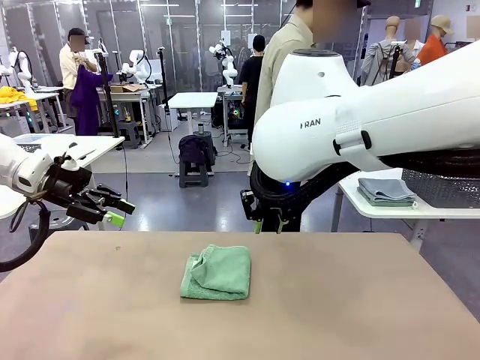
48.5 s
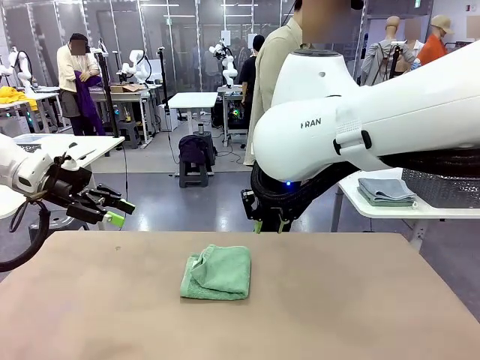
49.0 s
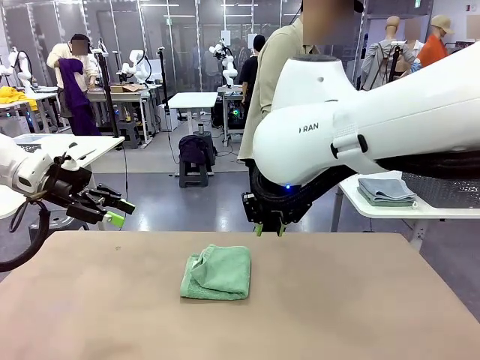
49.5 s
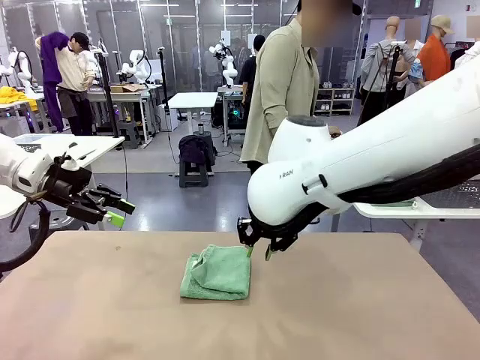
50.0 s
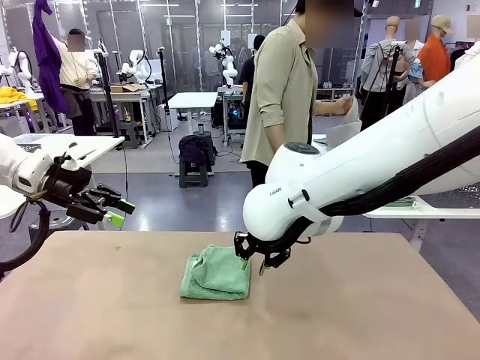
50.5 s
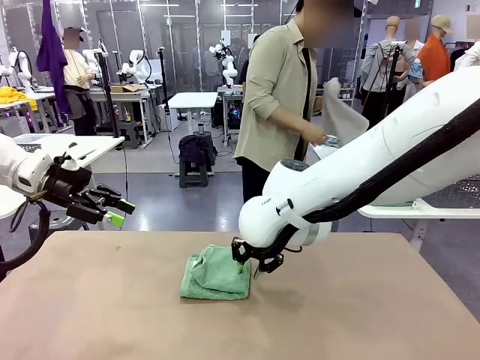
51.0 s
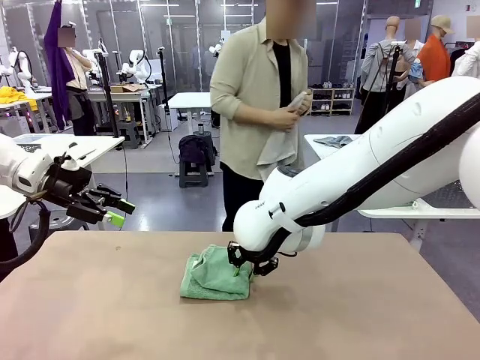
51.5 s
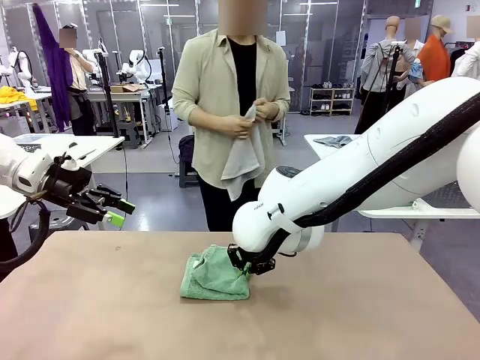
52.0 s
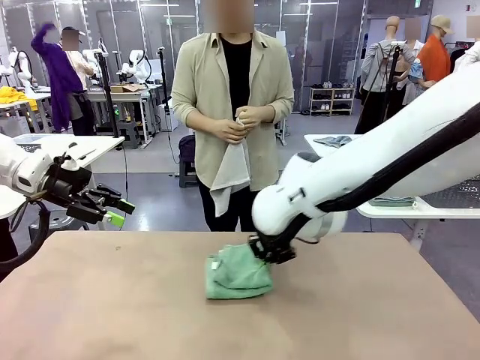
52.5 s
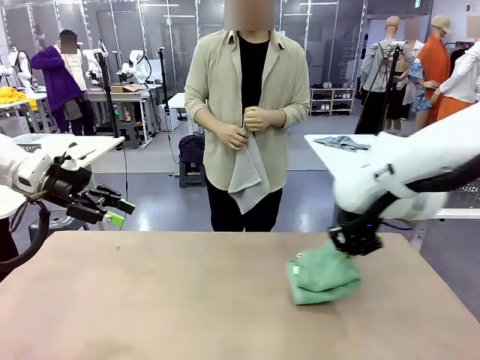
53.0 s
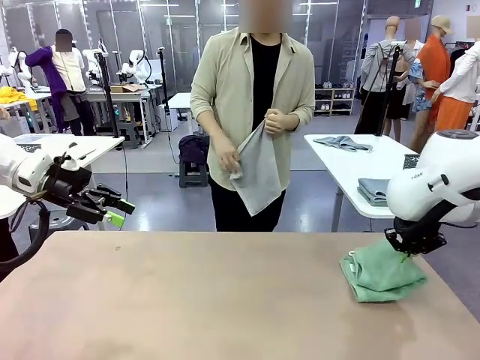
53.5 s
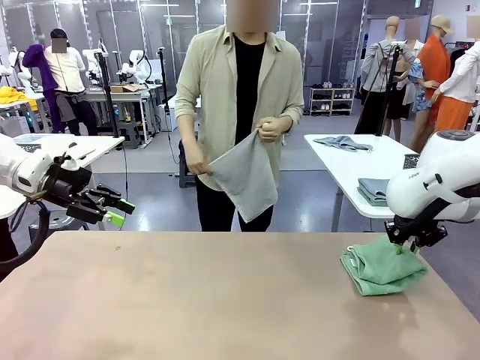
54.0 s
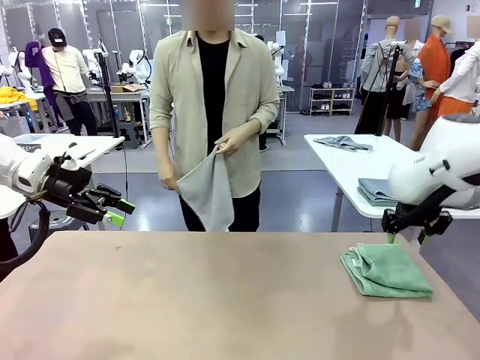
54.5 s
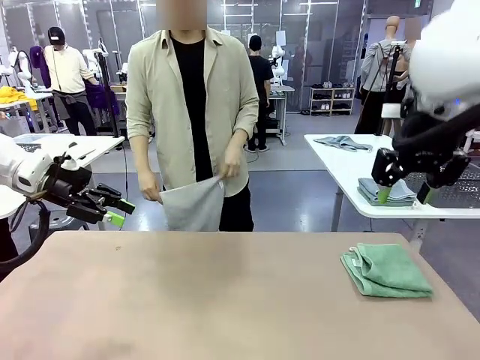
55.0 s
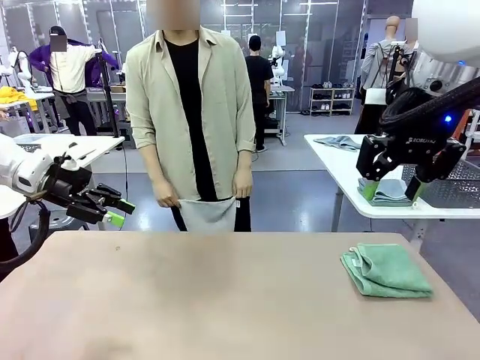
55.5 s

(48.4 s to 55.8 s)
Task: Fold the towels and place them in the basket.
Robot: Place the folded Towel with hook on the right side of the table.
Person: Pick up one towel from the left side of the human table and spread it out at the center of the robot table.

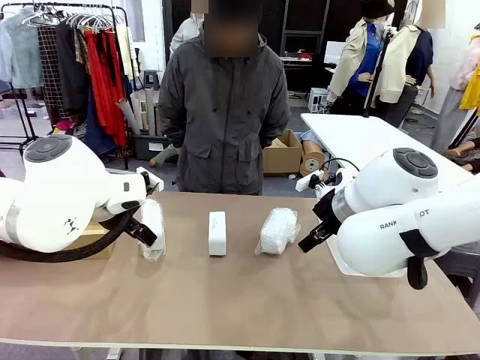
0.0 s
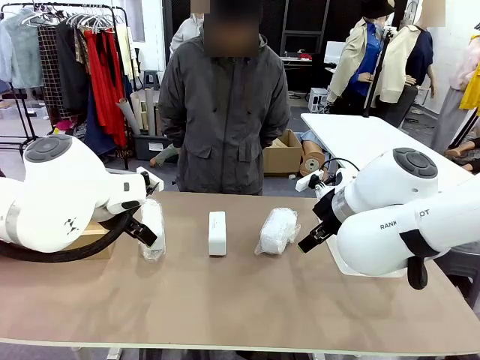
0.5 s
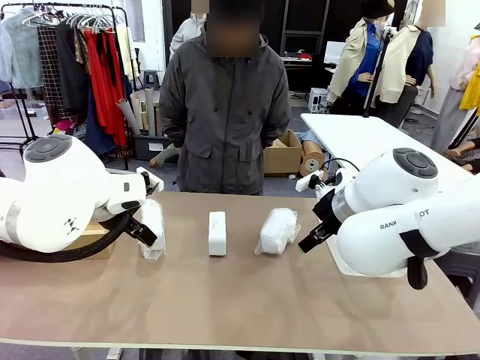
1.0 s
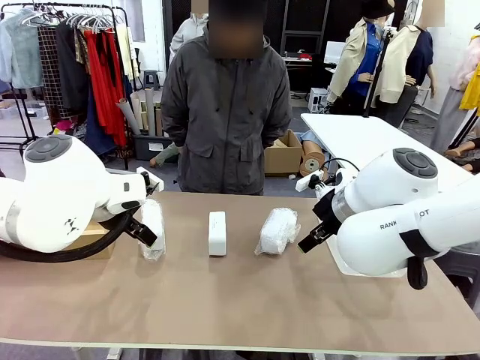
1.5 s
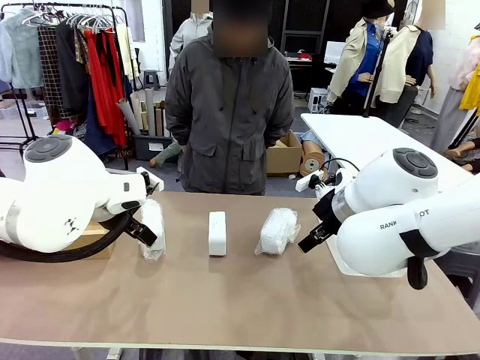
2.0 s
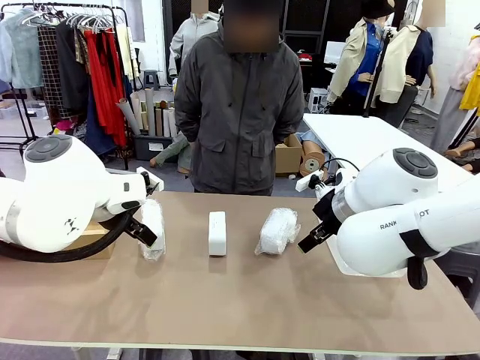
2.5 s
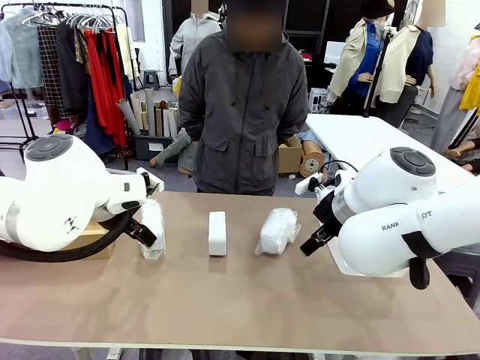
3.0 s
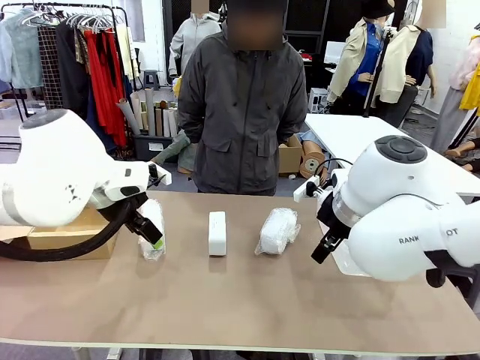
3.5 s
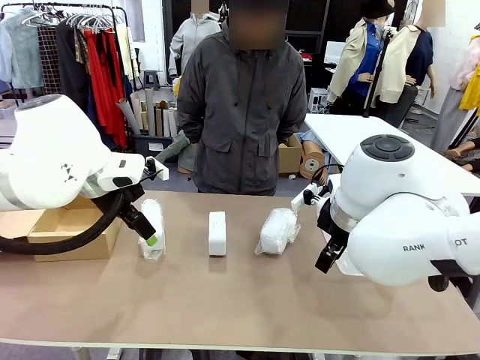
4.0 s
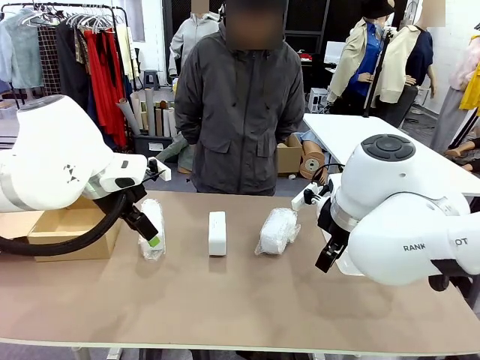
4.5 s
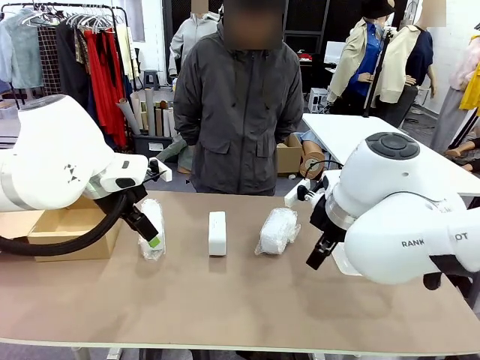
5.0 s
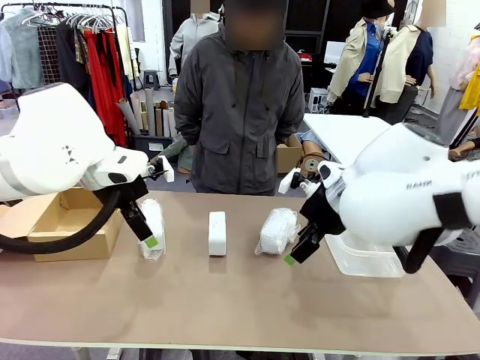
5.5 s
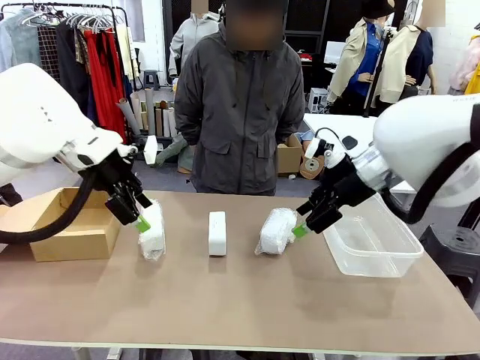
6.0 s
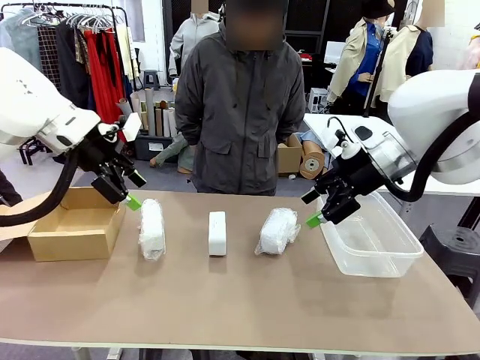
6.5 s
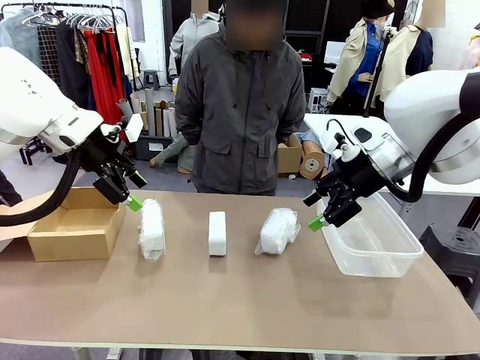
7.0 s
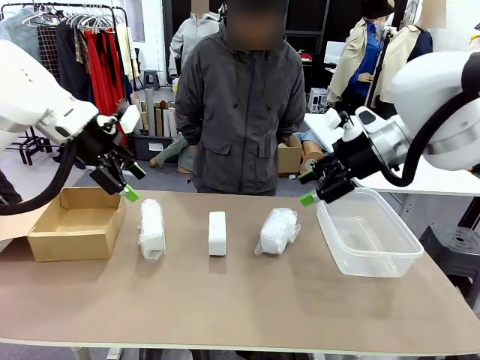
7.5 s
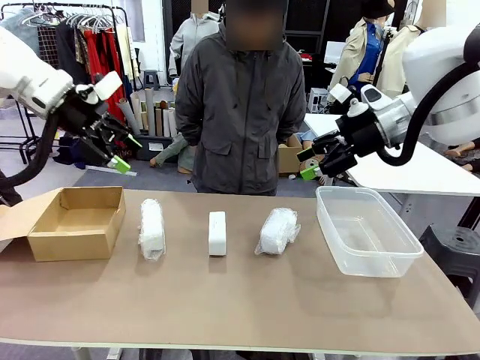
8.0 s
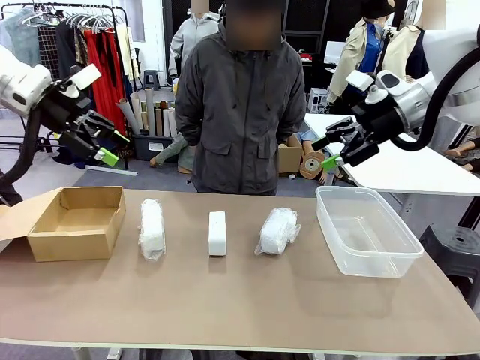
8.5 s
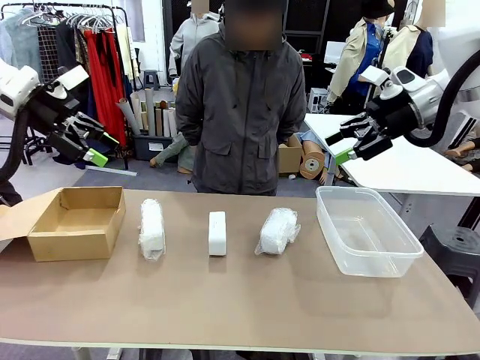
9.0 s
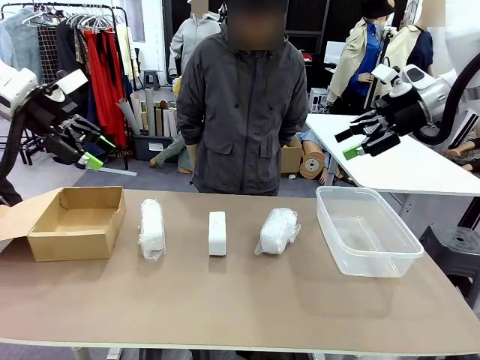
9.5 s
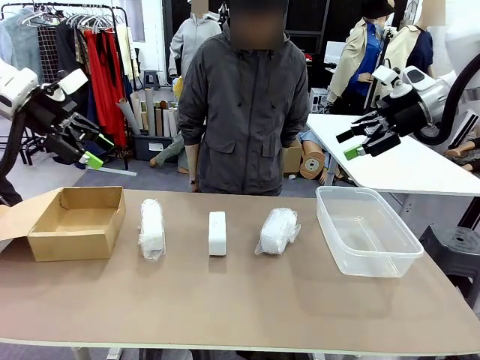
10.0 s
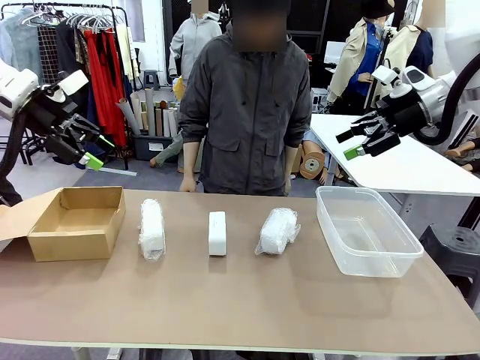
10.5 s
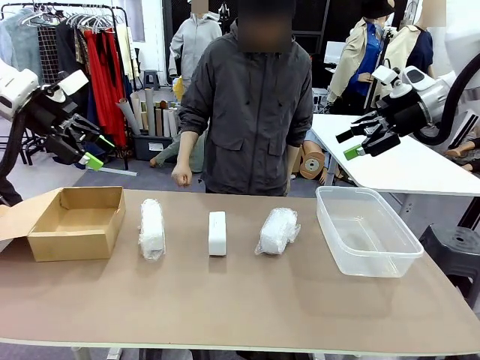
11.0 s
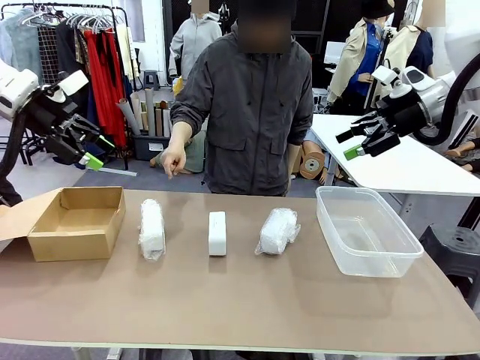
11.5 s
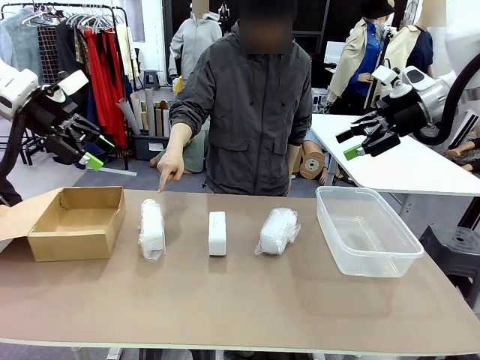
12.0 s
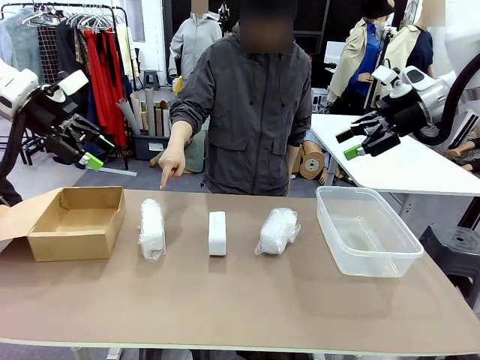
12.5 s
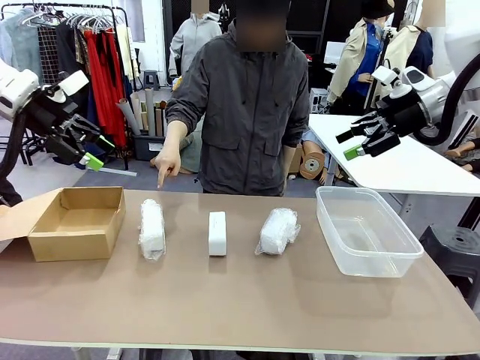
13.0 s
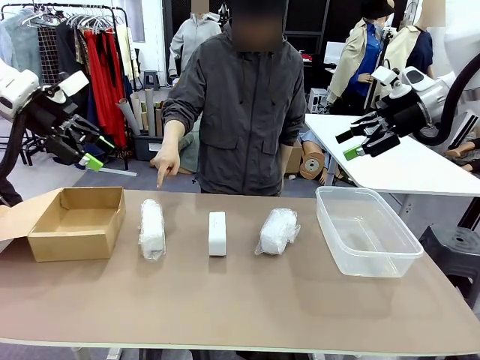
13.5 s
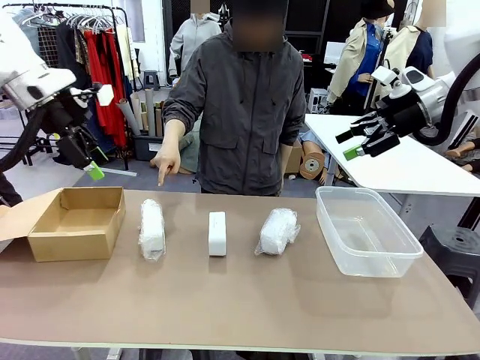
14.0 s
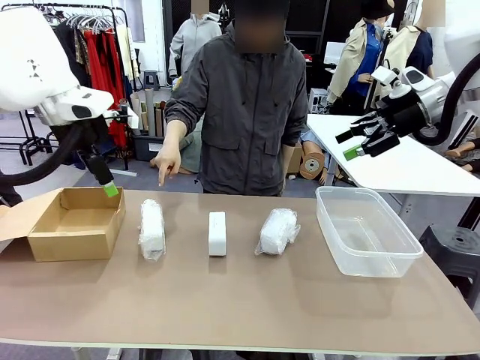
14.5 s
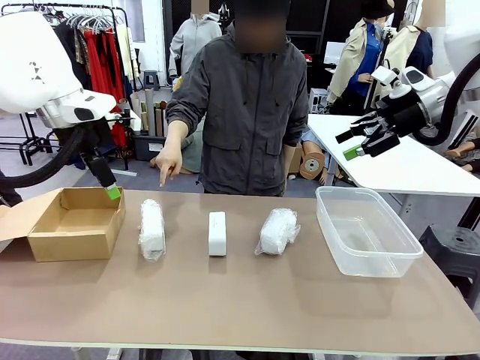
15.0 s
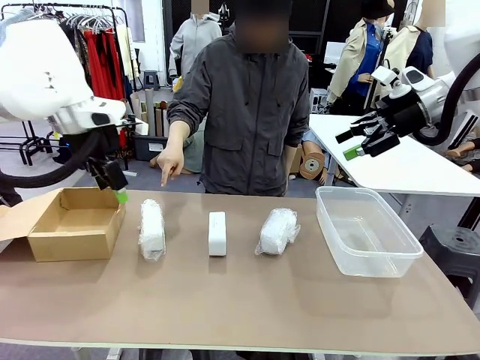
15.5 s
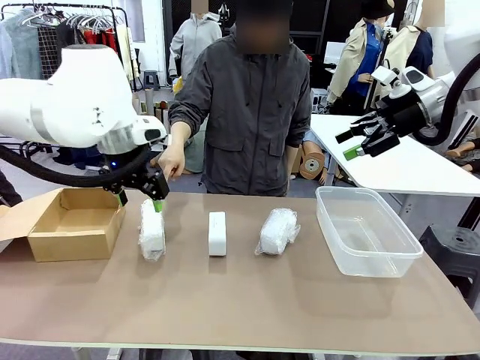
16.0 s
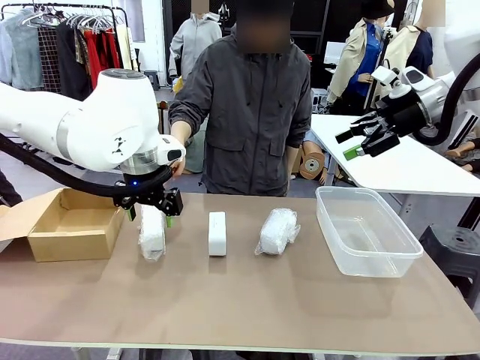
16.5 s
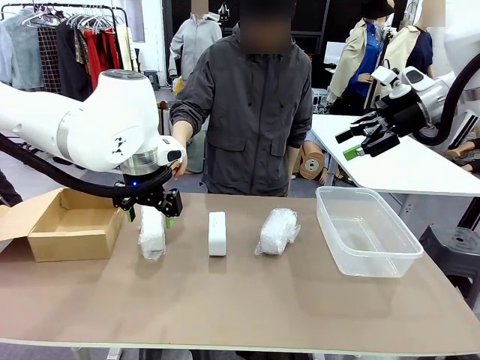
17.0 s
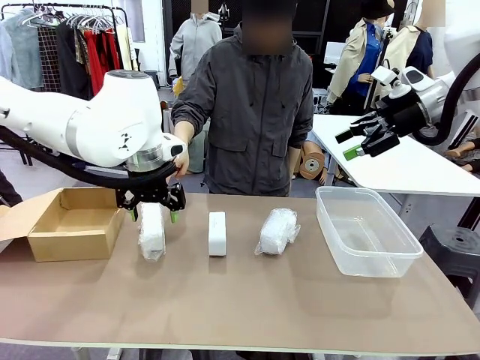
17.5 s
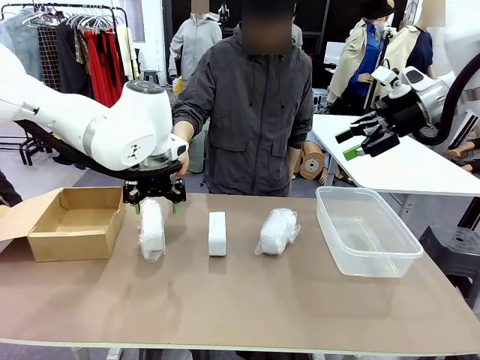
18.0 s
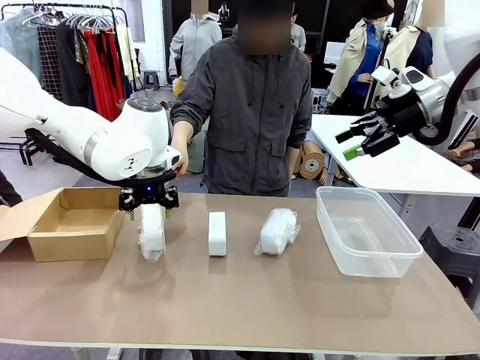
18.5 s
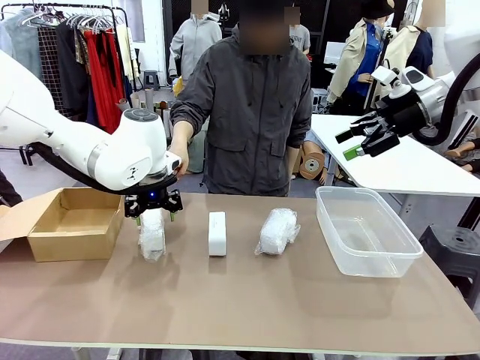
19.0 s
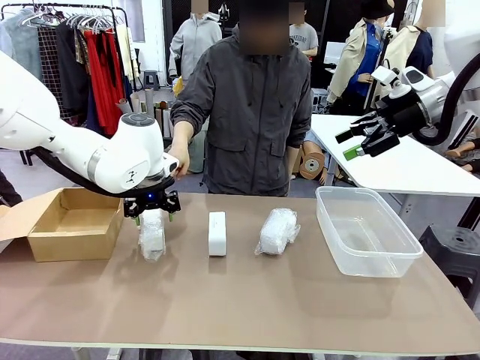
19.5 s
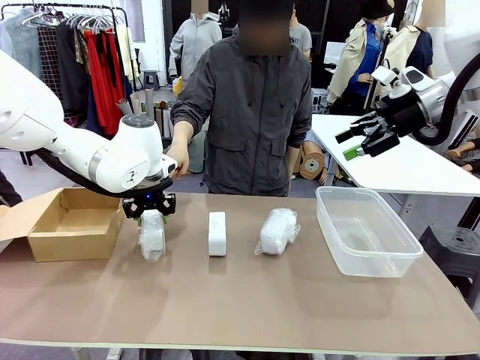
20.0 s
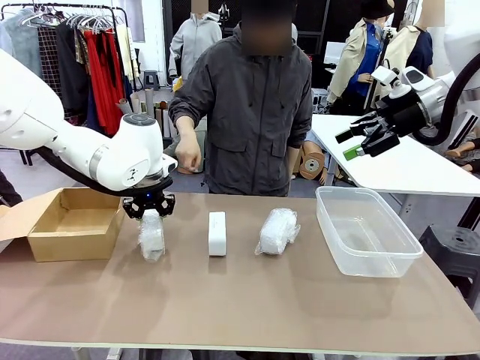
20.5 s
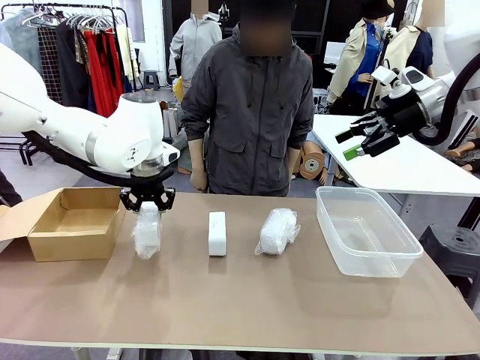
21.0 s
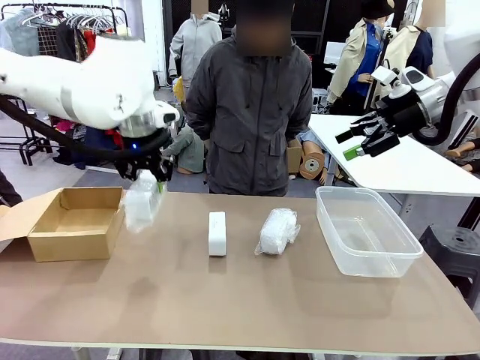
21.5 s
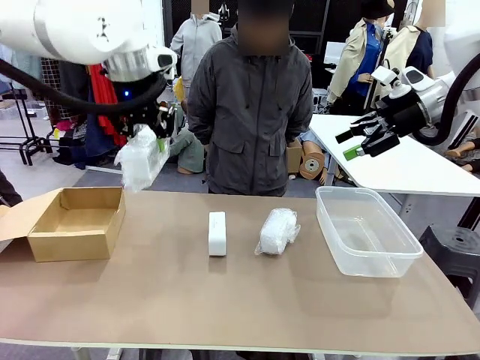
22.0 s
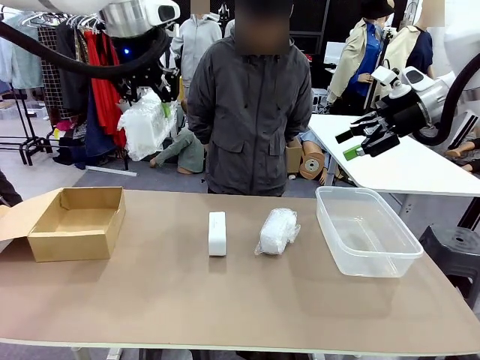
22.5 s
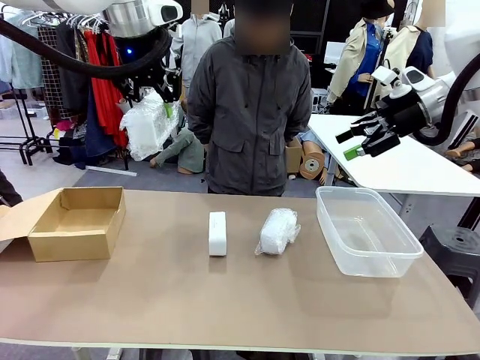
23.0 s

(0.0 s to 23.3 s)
Task: Separate and place wrapped and unwrapped clocks.
Robot: Pick up the Digital clock indicated by the person.
